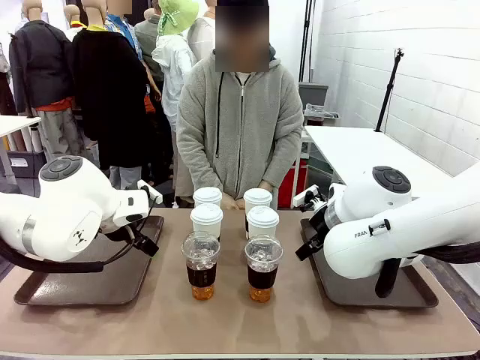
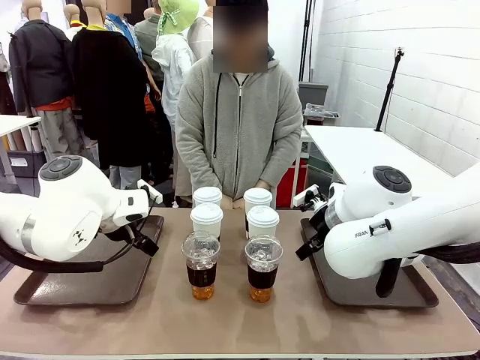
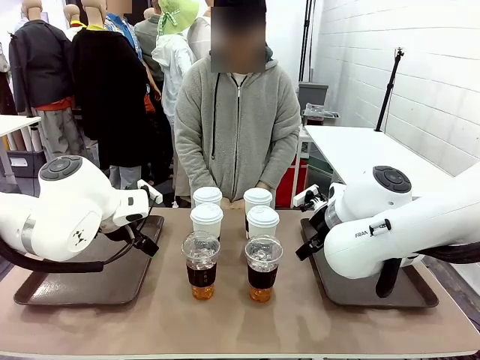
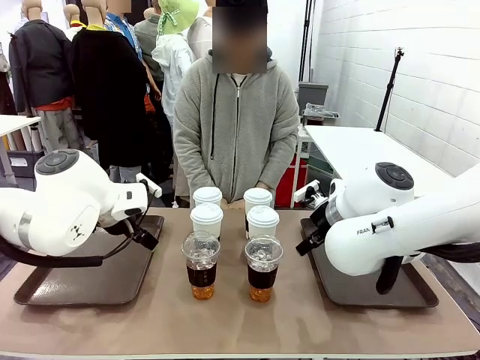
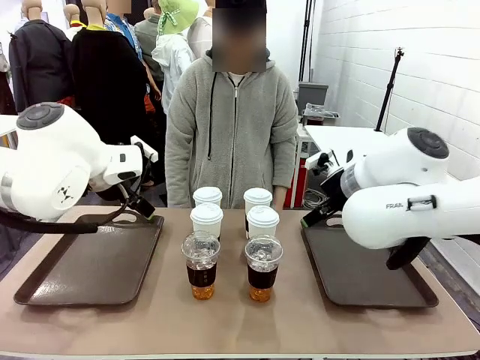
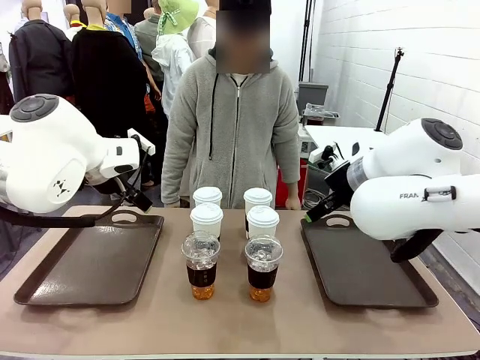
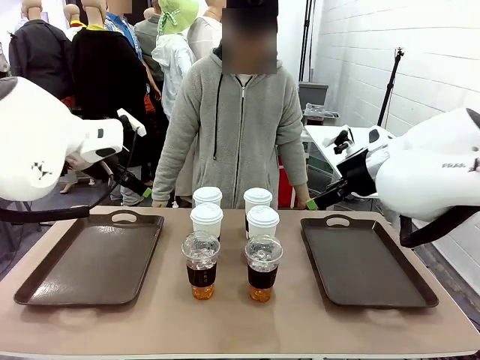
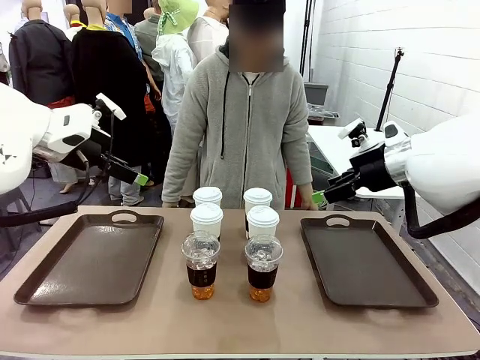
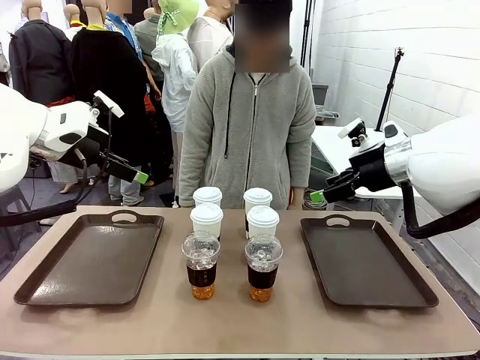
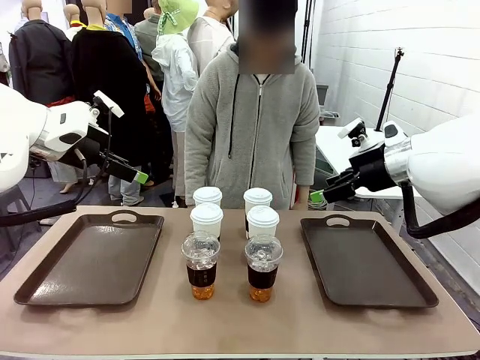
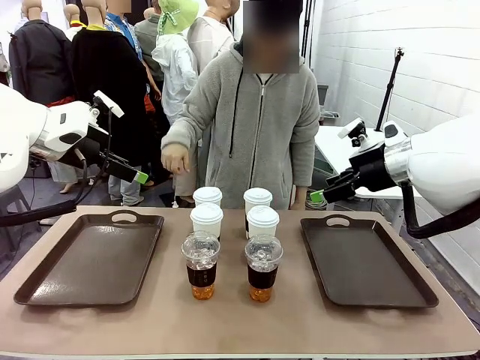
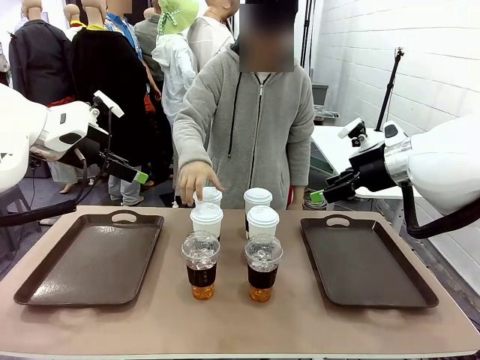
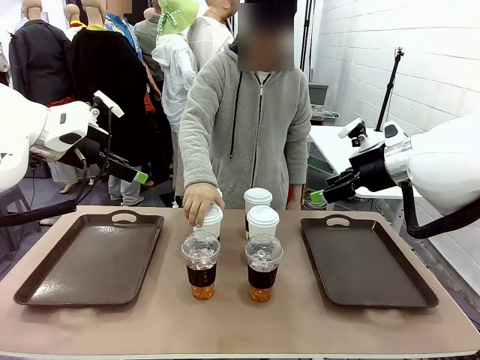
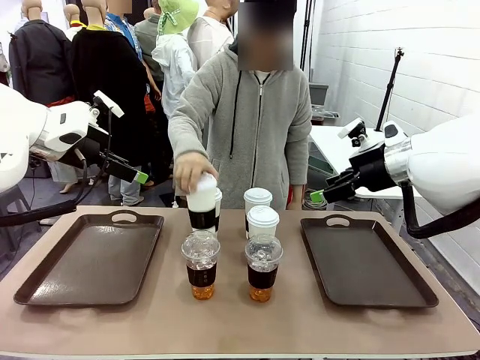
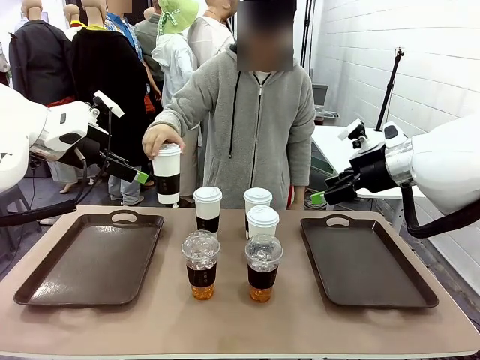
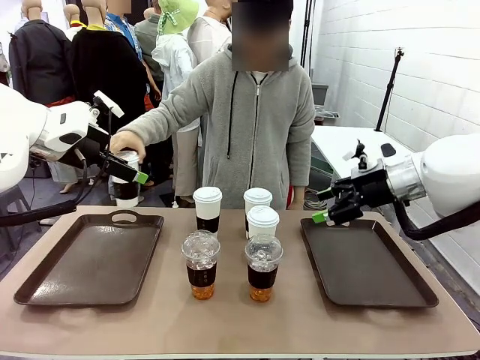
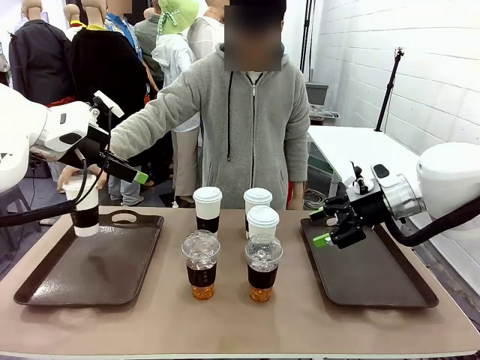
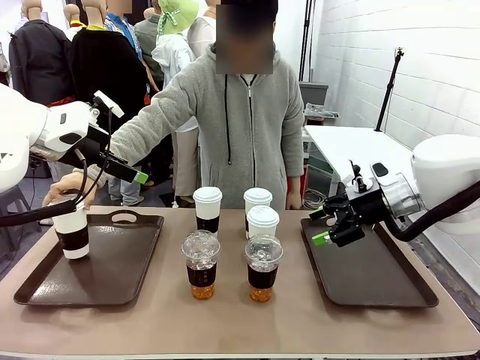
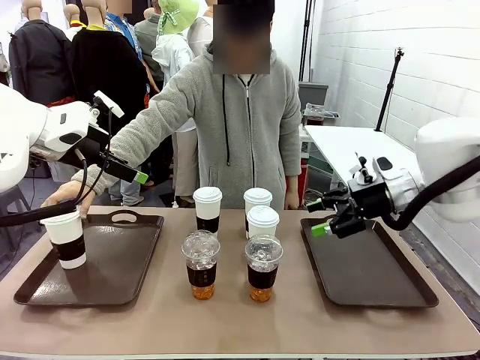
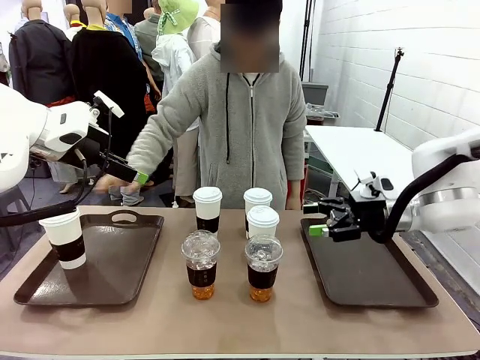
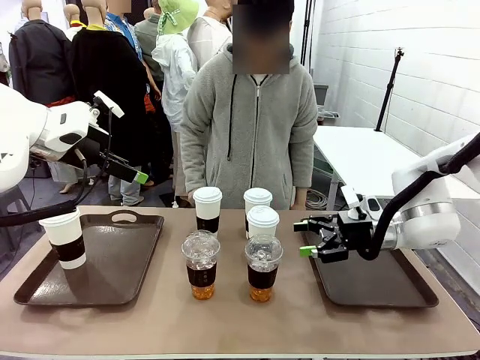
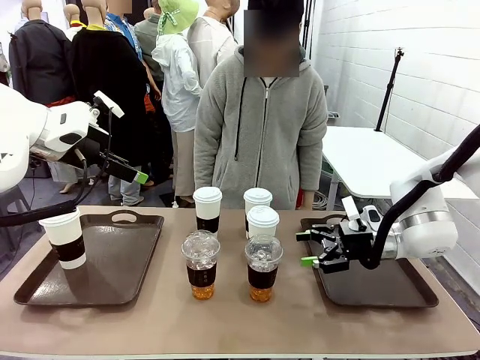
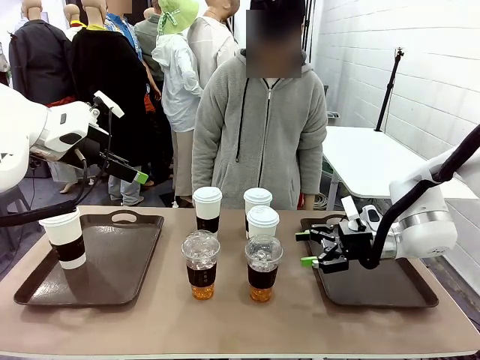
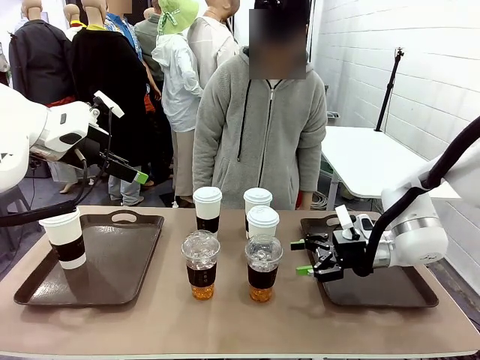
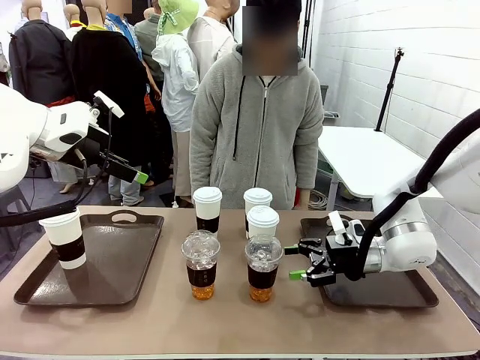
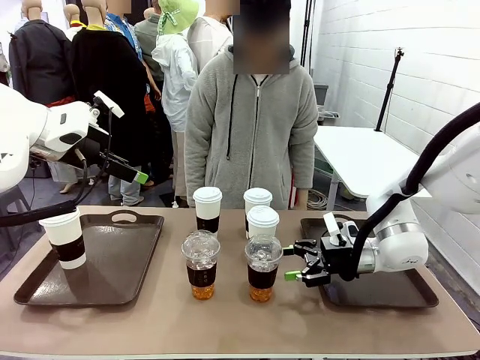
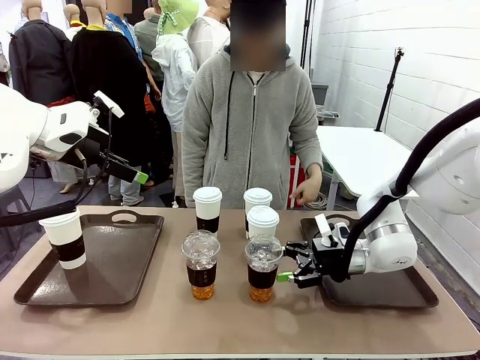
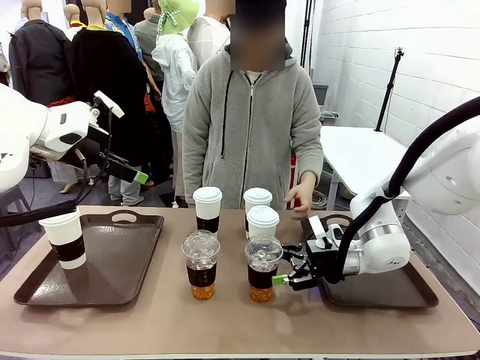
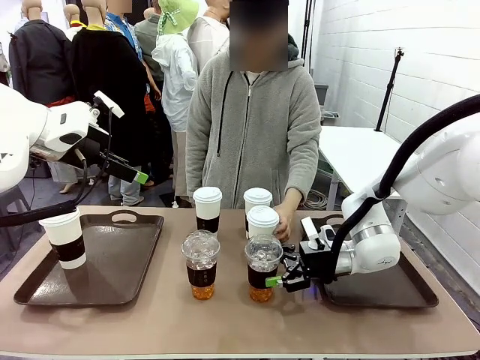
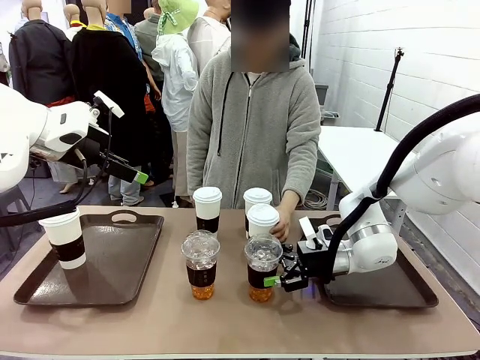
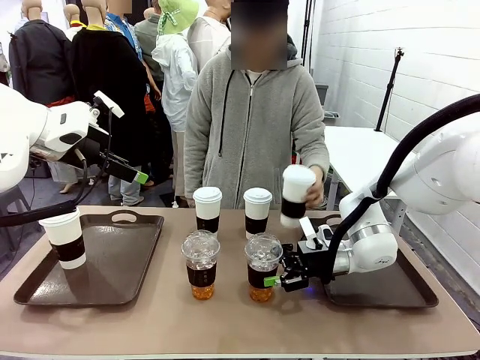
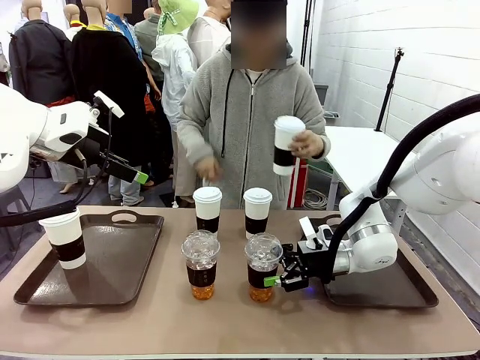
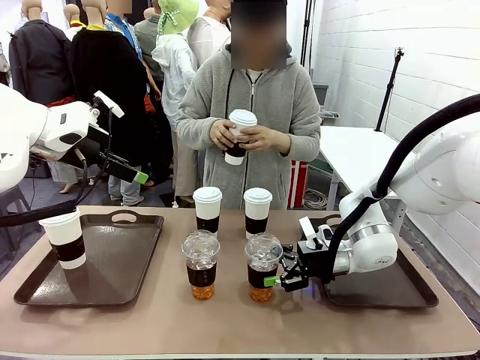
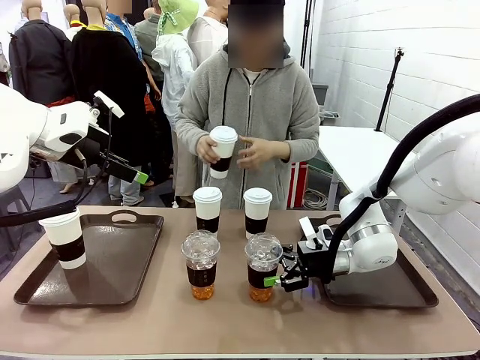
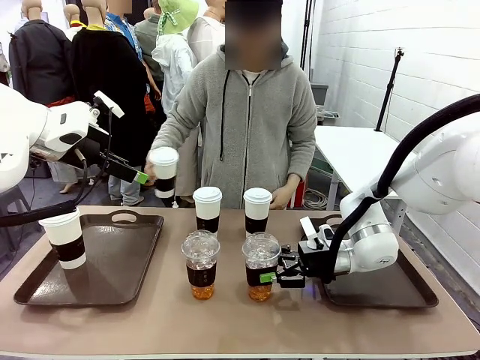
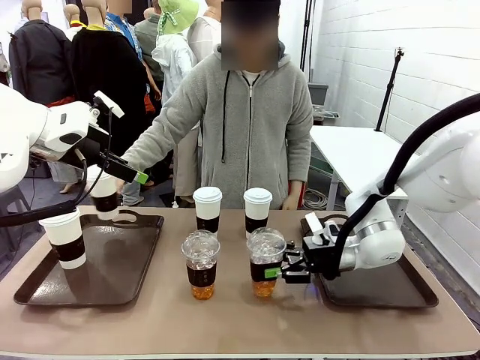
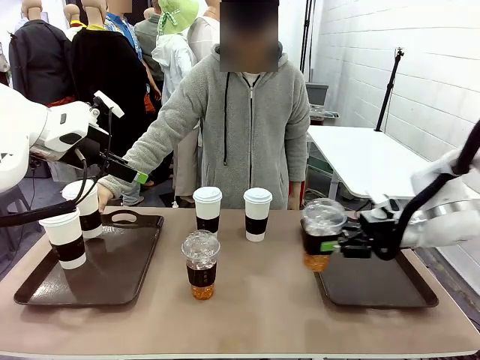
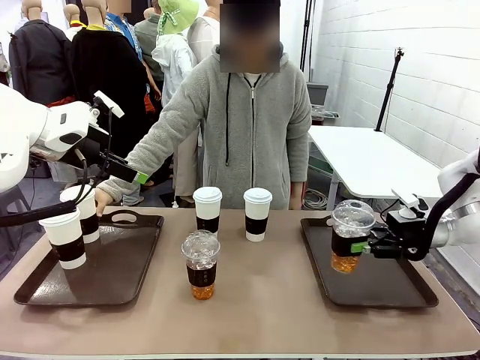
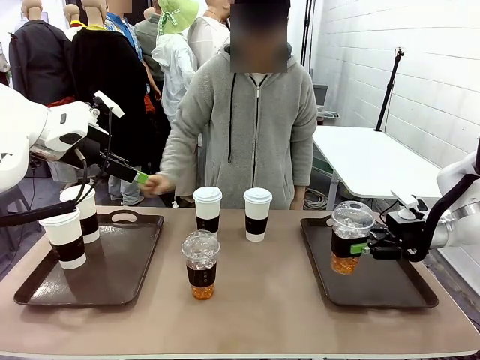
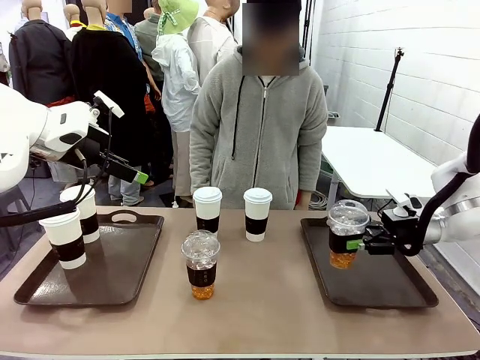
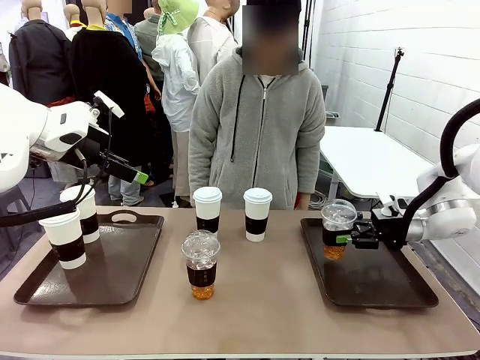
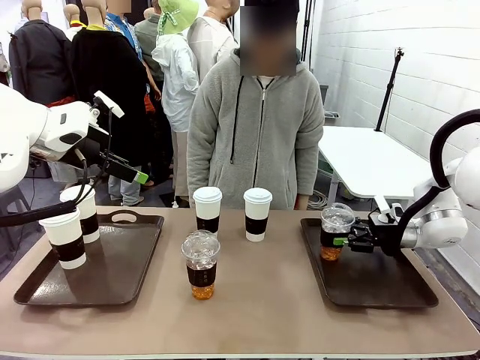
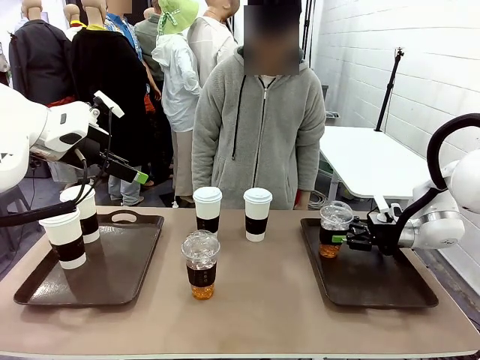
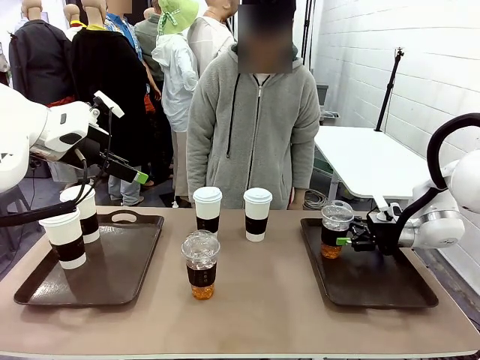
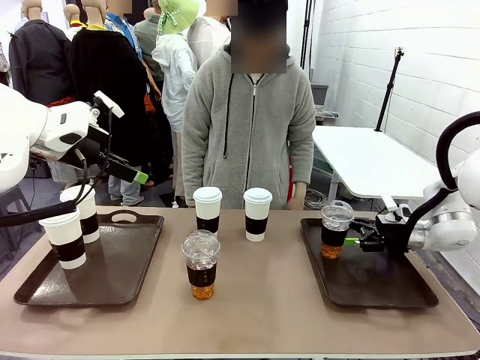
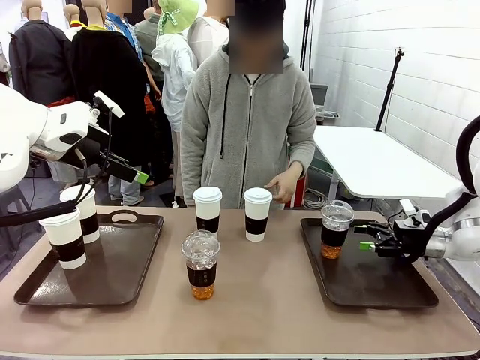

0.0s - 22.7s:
Task: Distribute the coffee onto the tray.
Robot: Pick up one iced Americano and place it on the right Handle tray.
Person: Pick up a cup of hot Americano and place it on the right tray.
